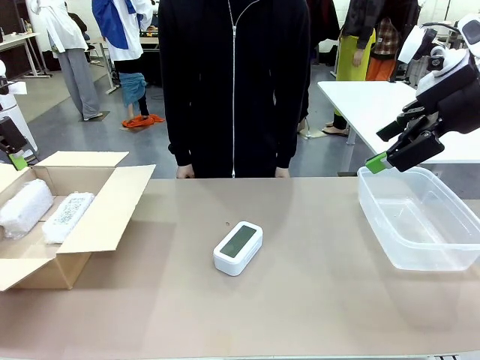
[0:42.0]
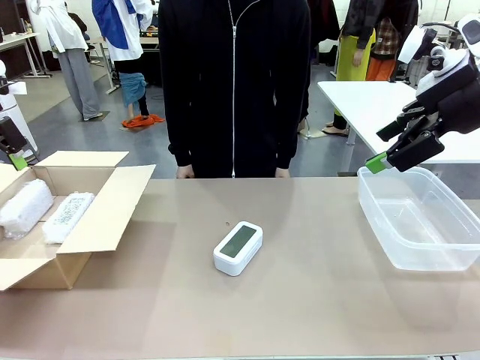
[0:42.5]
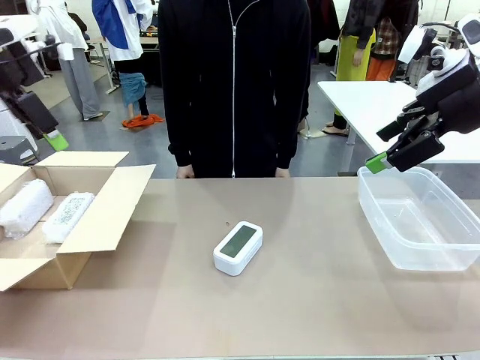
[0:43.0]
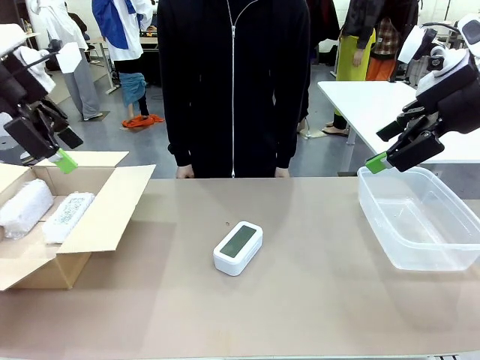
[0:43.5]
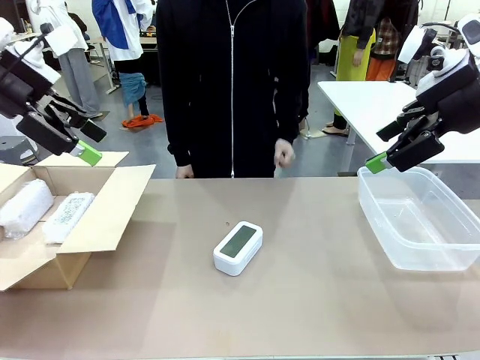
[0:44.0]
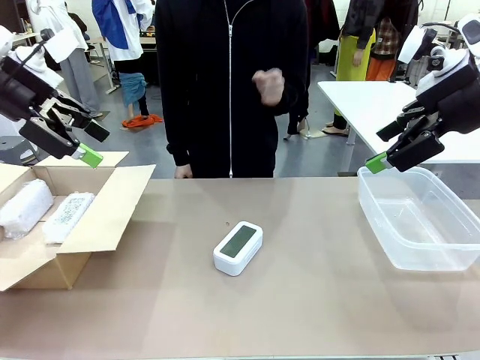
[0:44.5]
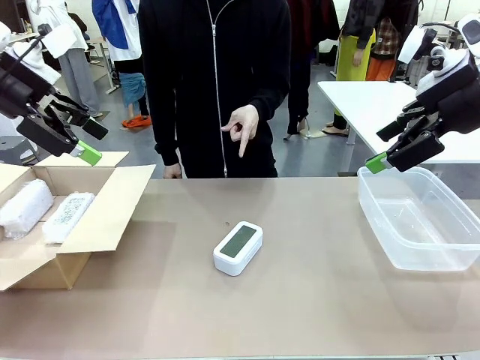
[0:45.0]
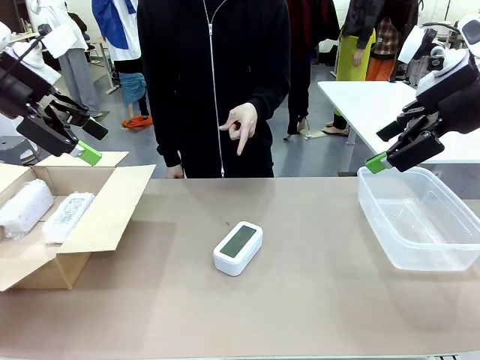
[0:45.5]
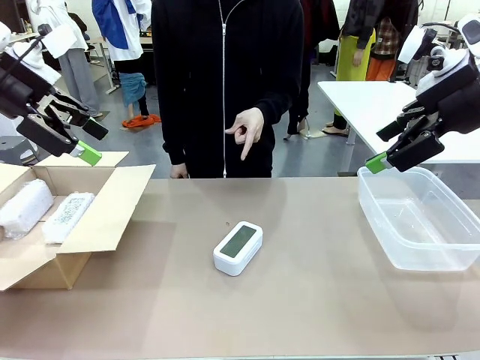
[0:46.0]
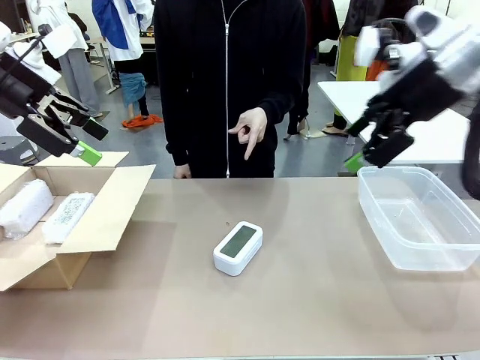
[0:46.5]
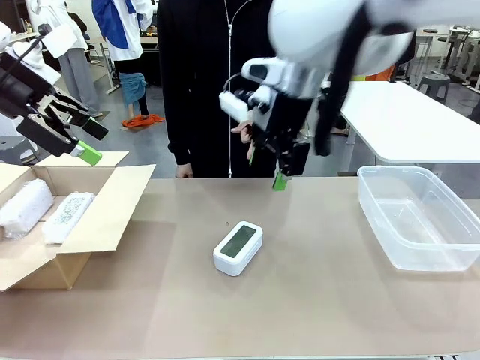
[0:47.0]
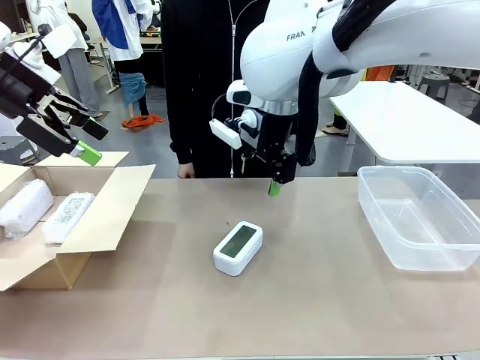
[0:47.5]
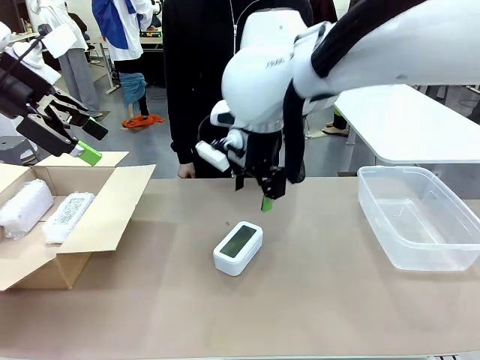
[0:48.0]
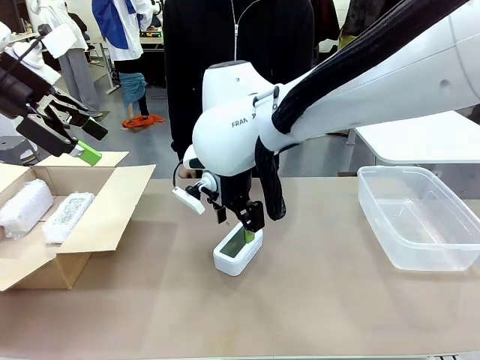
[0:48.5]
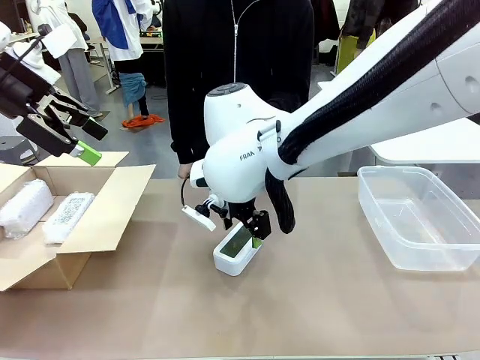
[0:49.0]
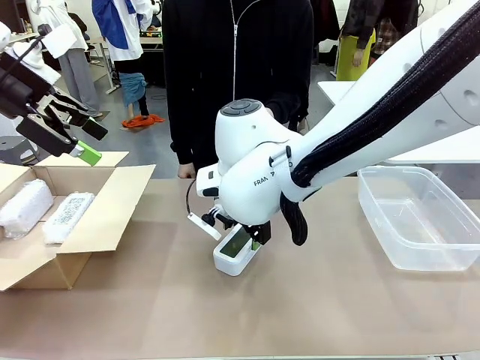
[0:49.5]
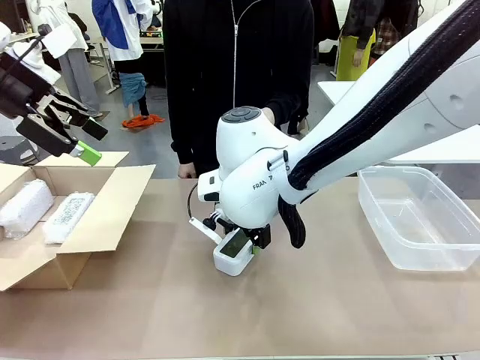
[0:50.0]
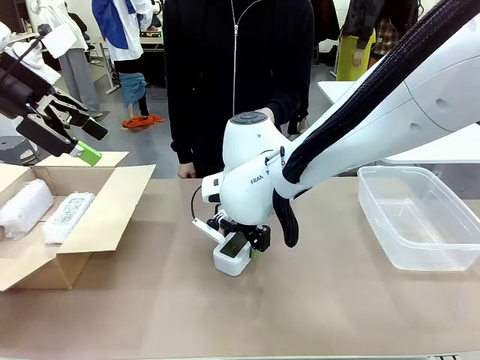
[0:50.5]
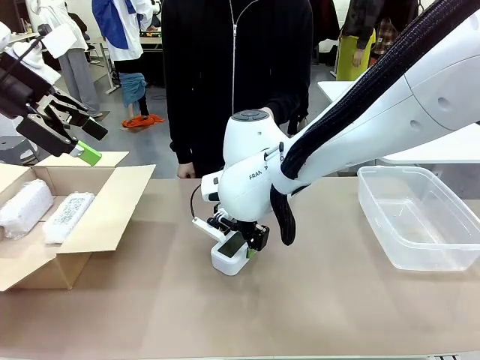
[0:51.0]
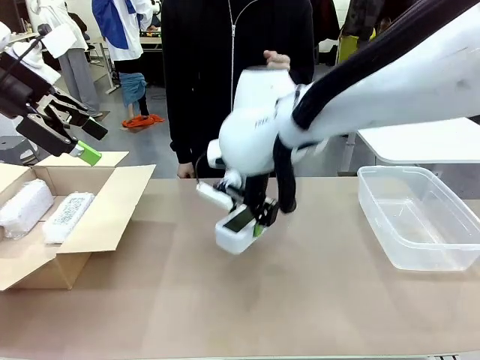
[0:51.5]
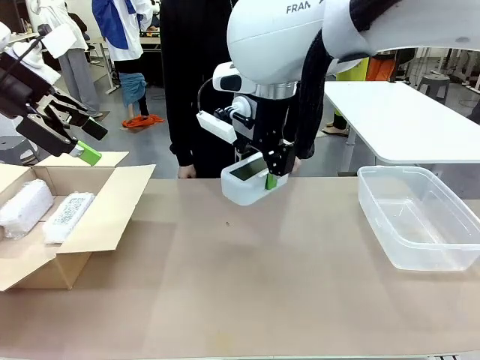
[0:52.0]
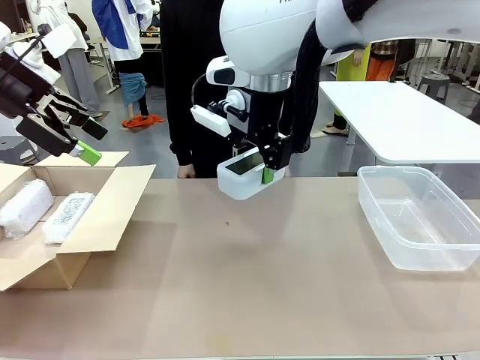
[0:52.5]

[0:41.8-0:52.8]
Task: Separate and place wrapped and unwrapped clocks.
Robot: Pick up the Digital clock indicated by the person.

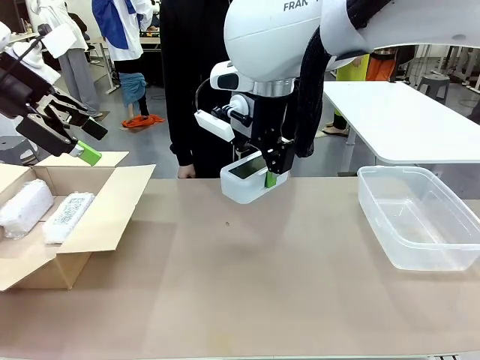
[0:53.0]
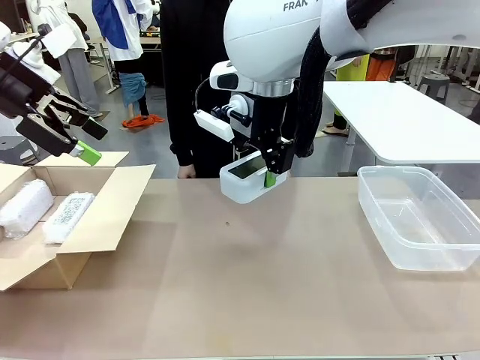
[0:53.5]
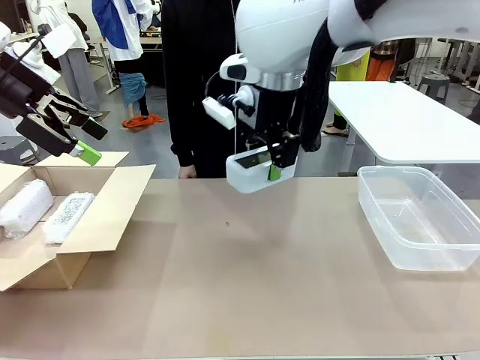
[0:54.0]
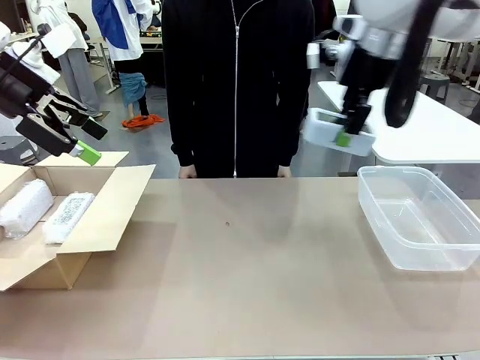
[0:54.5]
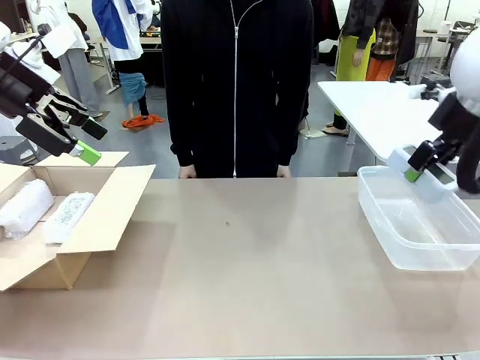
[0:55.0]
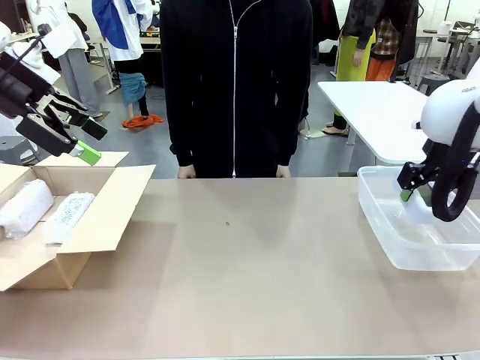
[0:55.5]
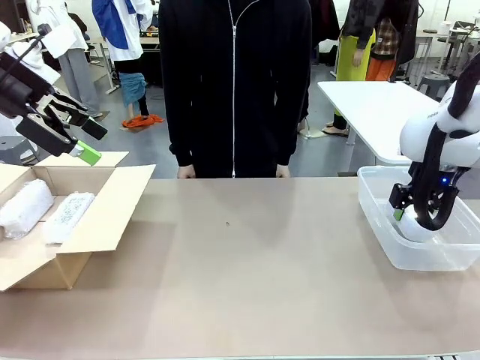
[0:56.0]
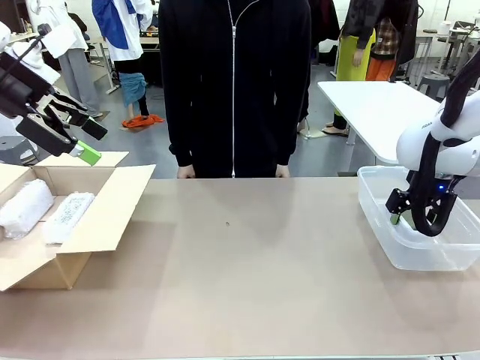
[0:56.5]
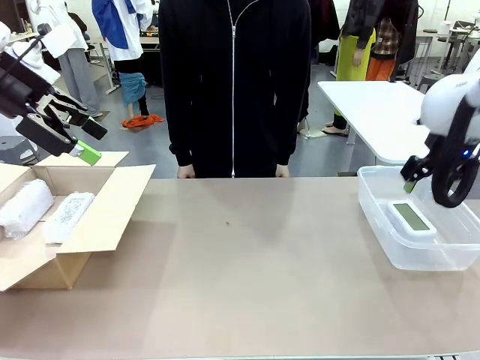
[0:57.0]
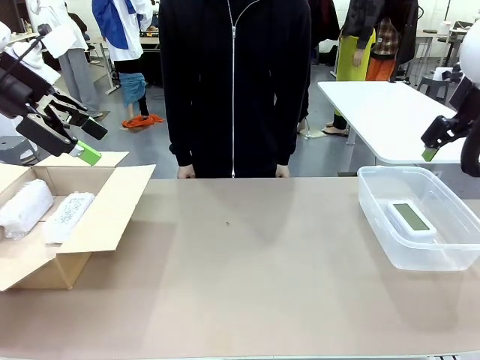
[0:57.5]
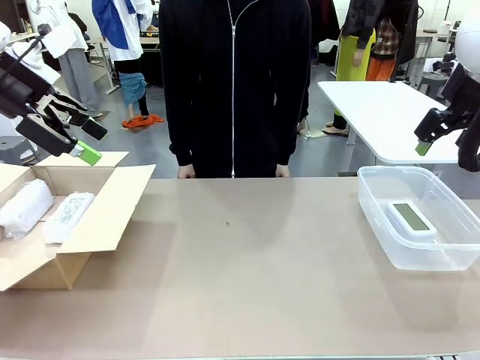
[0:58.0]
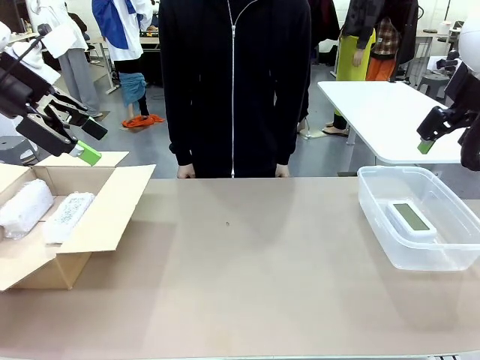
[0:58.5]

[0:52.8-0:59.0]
Robot: If the picked Digital clock is wrapped, place it in the Package Box ; if not, place it in the Organizing box.

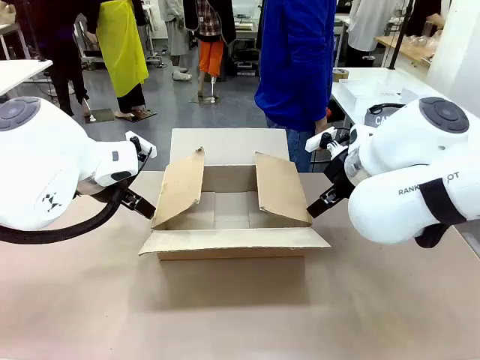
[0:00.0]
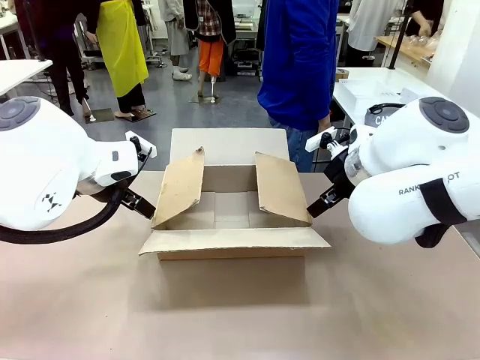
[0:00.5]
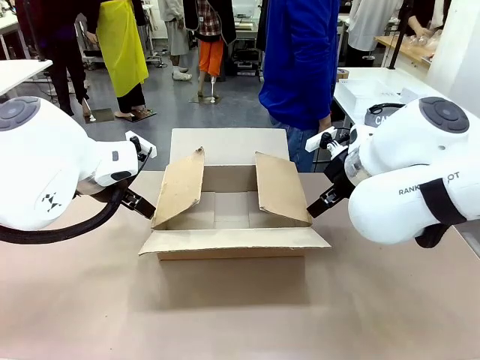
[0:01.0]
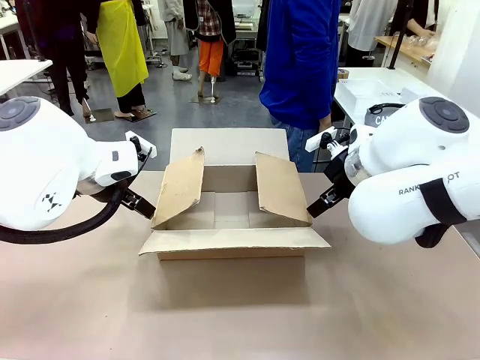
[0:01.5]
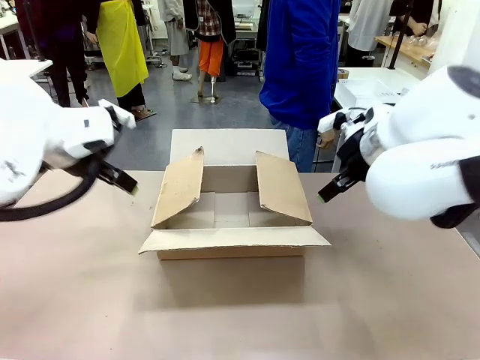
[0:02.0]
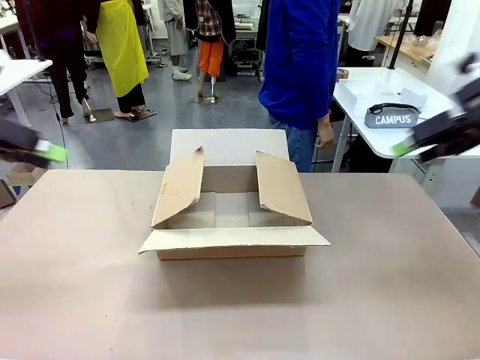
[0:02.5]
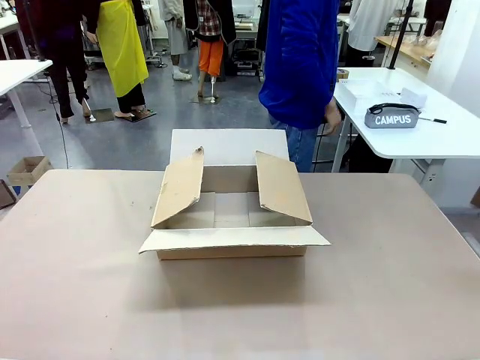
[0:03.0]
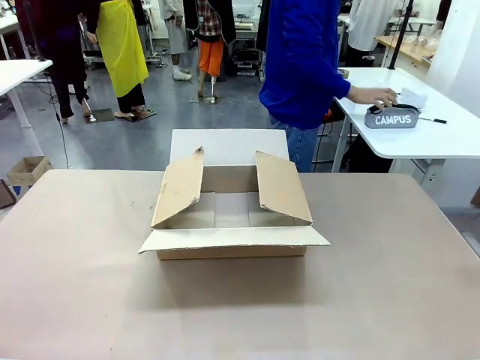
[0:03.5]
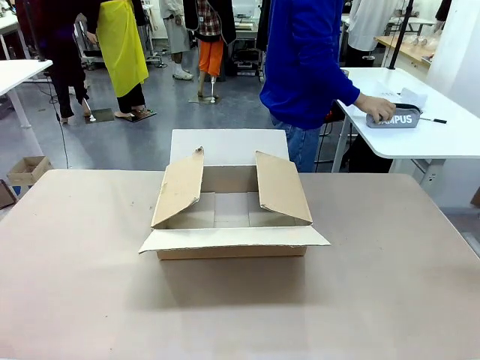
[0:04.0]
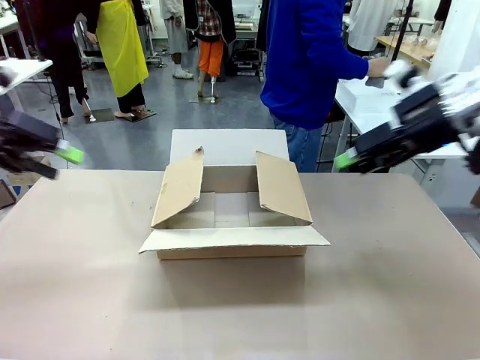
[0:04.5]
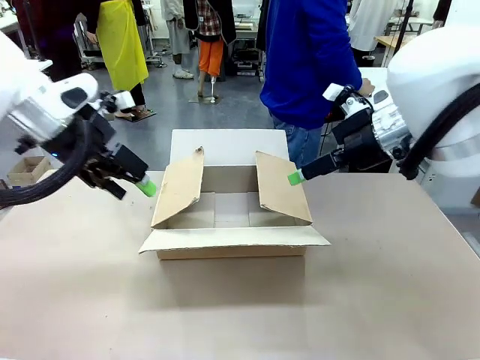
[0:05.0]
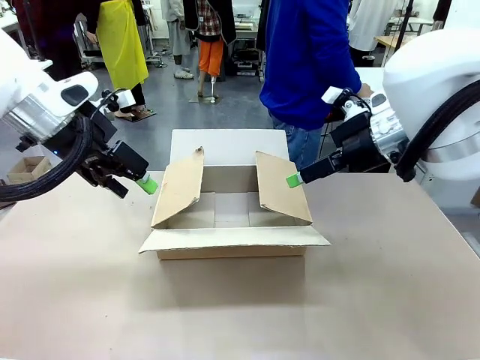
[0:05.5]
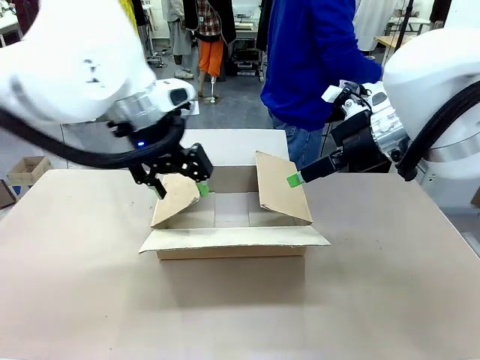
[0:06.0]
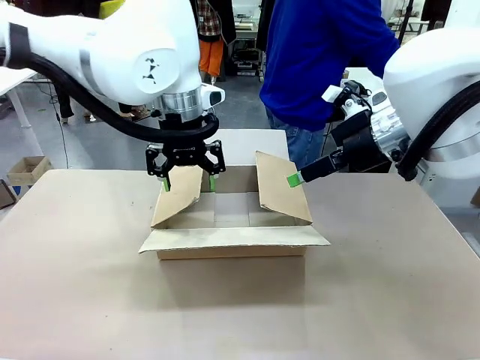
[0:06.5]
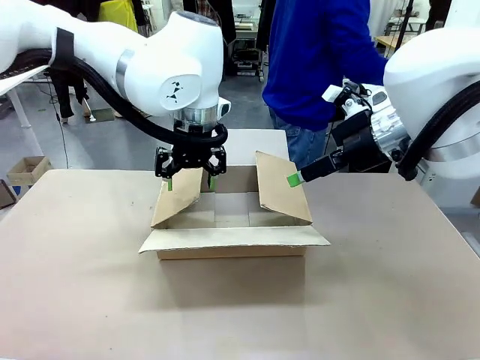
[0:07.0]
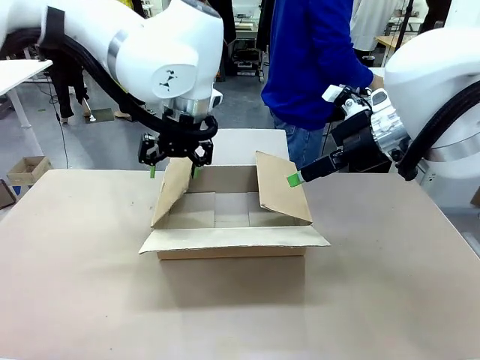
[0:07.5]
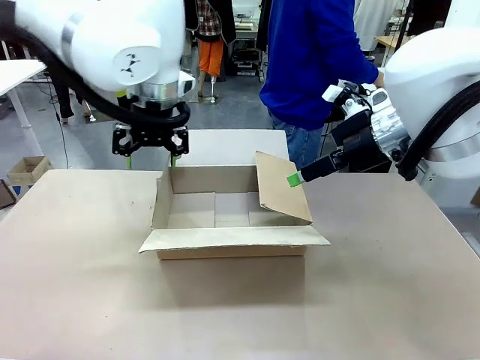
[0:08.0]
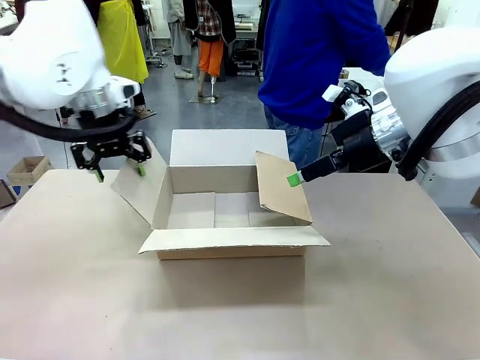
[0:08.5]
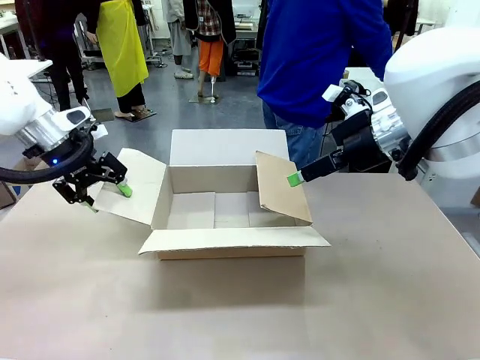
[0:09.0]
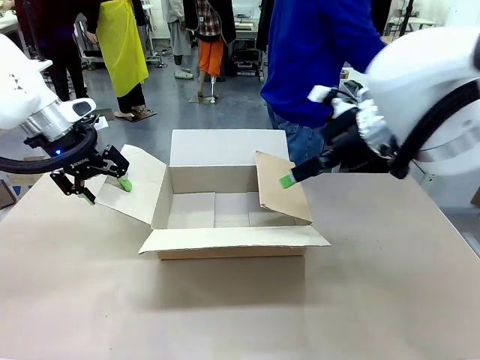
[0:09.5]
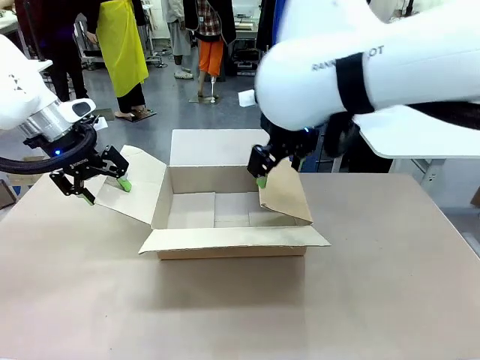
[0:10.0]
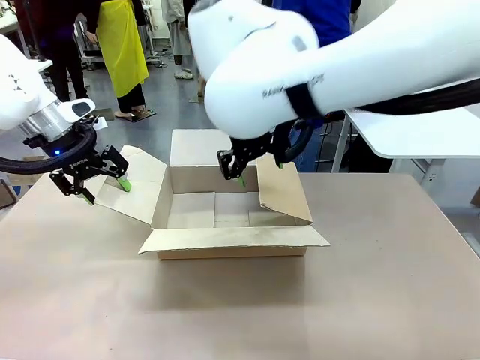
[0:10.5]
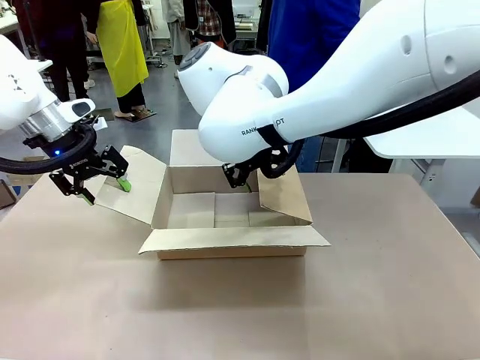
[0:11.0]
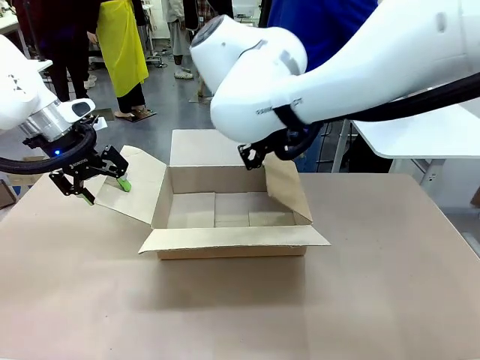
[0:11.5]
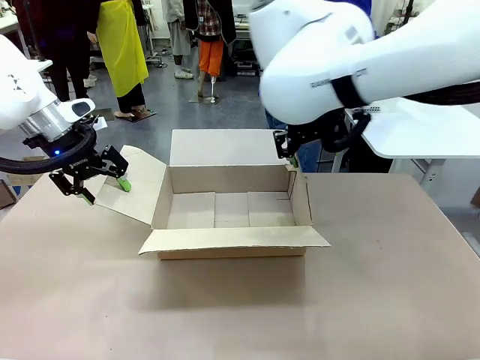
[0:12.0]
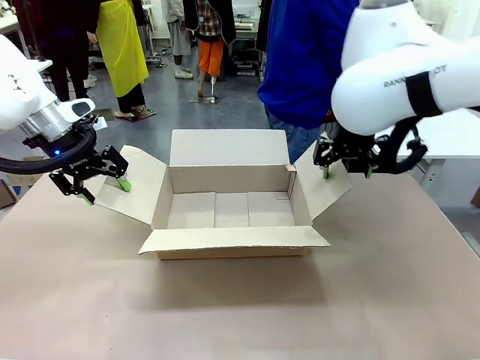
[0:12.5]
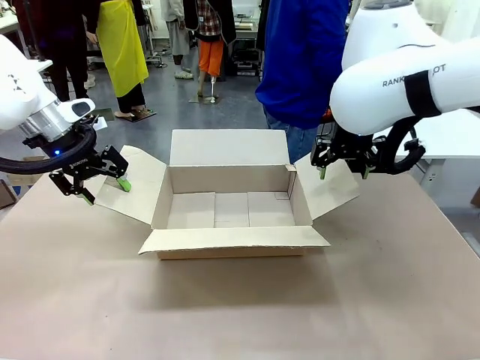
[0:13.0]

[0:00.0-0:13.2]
Task: Pack the gift set into the box.
Robot: Place both hands on the side flaps of the Package Box and spread them outward.
Person: The human places all items except the paper tape into the organizing basket.
